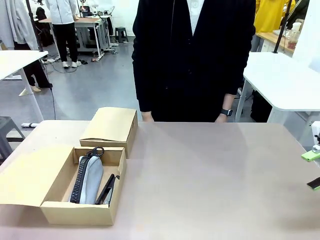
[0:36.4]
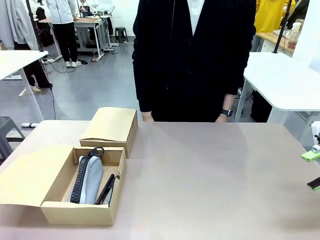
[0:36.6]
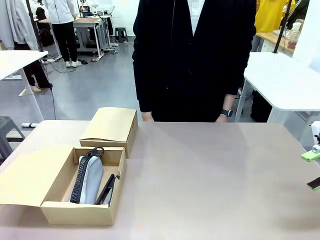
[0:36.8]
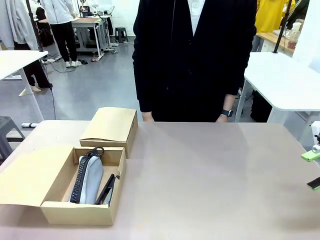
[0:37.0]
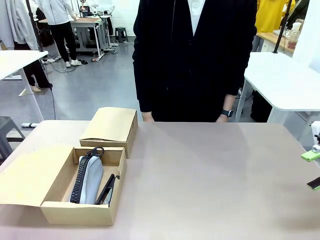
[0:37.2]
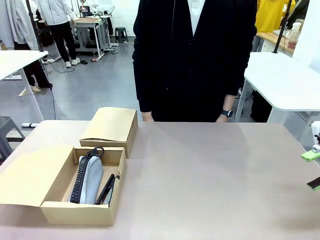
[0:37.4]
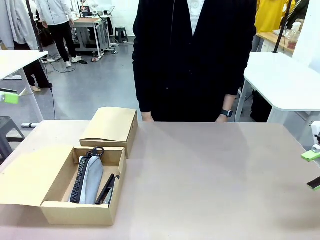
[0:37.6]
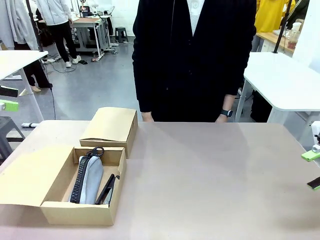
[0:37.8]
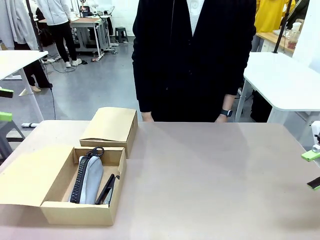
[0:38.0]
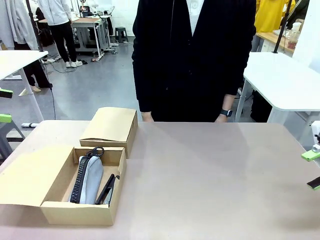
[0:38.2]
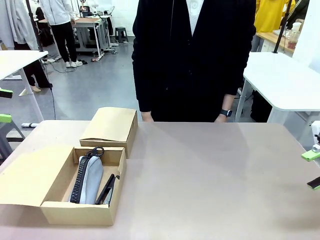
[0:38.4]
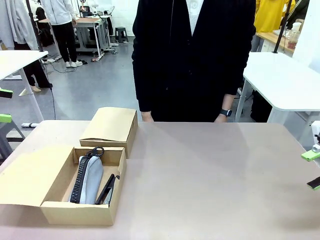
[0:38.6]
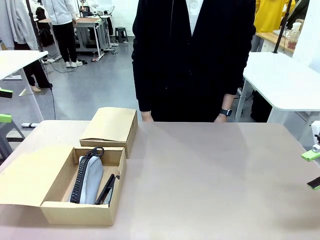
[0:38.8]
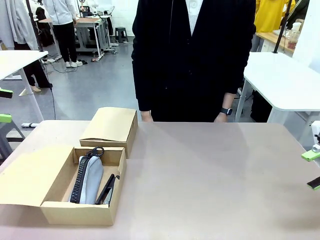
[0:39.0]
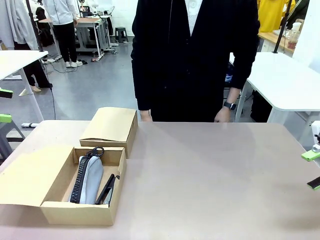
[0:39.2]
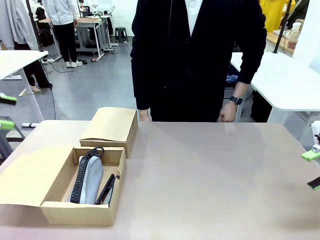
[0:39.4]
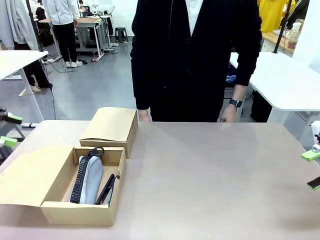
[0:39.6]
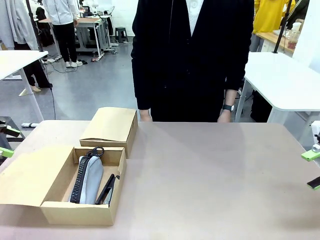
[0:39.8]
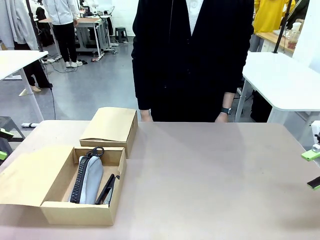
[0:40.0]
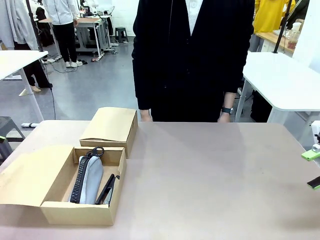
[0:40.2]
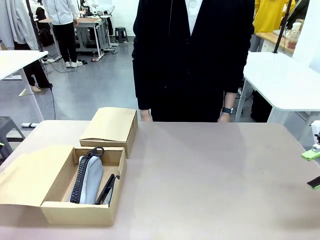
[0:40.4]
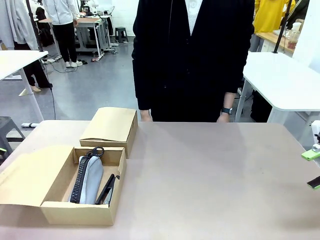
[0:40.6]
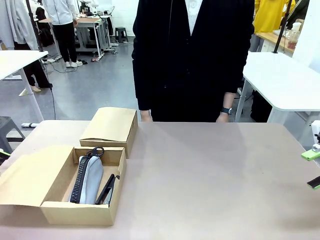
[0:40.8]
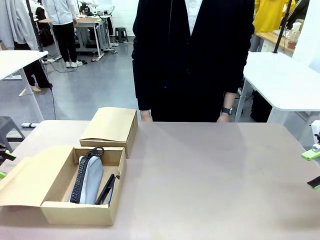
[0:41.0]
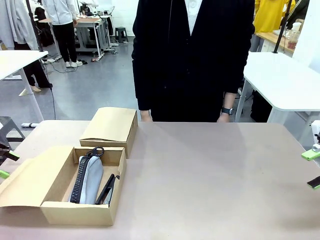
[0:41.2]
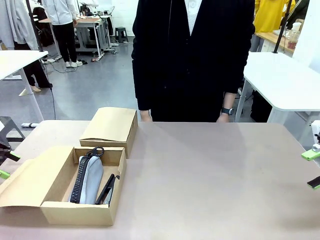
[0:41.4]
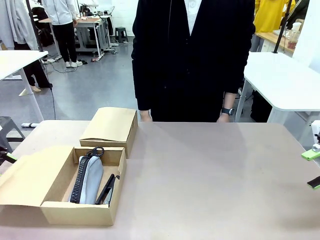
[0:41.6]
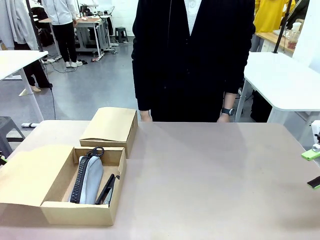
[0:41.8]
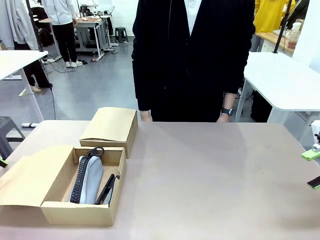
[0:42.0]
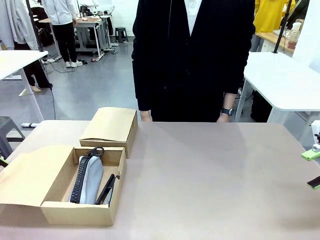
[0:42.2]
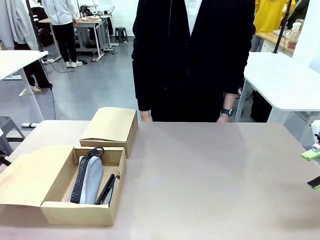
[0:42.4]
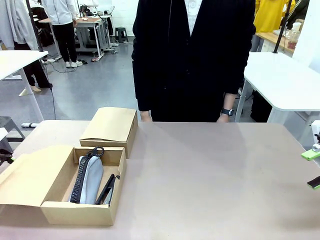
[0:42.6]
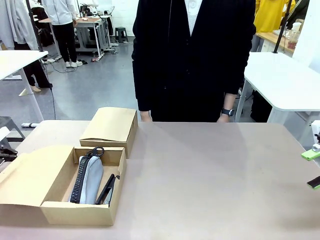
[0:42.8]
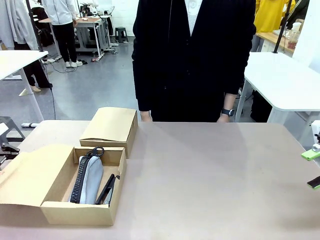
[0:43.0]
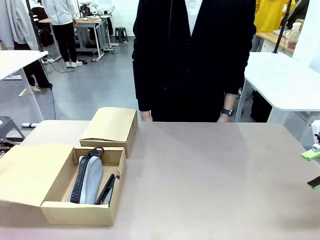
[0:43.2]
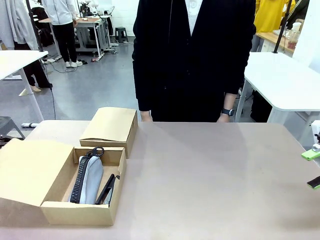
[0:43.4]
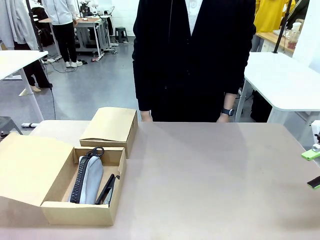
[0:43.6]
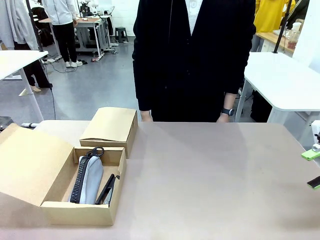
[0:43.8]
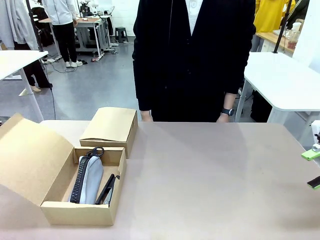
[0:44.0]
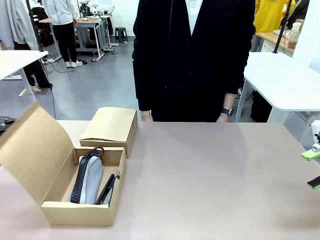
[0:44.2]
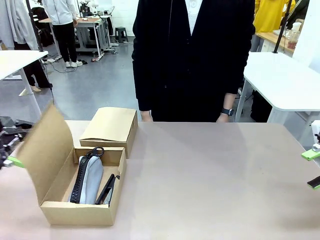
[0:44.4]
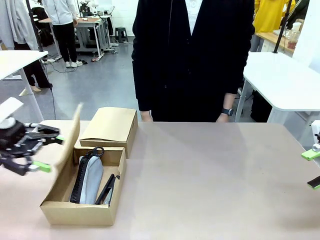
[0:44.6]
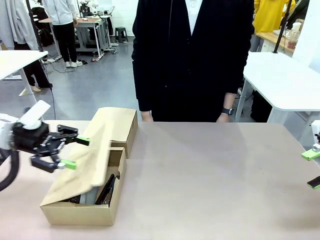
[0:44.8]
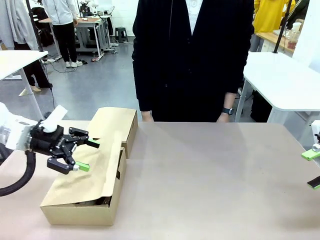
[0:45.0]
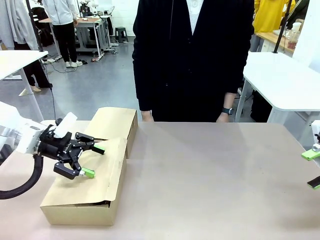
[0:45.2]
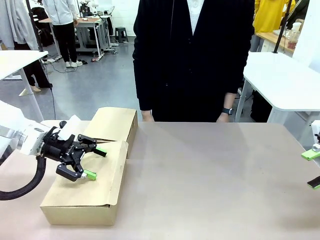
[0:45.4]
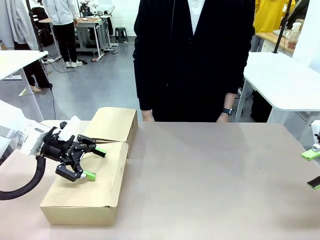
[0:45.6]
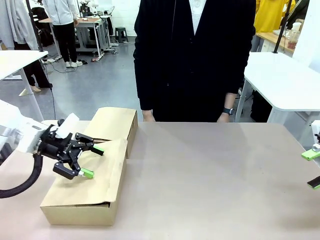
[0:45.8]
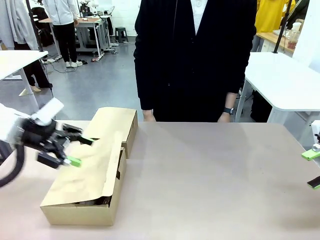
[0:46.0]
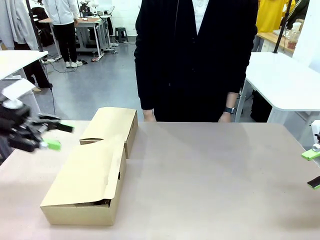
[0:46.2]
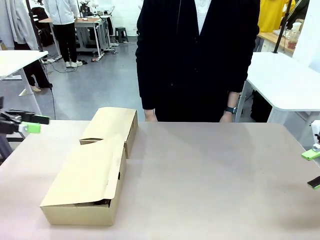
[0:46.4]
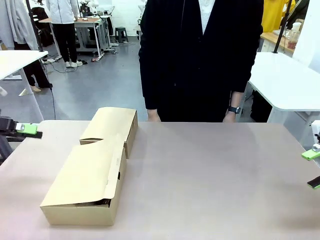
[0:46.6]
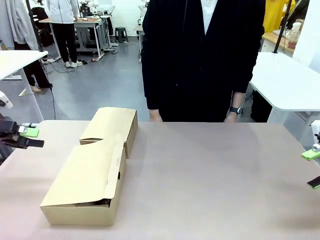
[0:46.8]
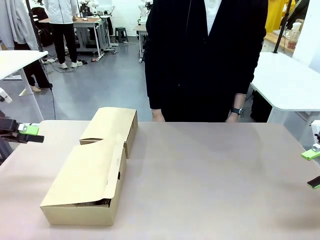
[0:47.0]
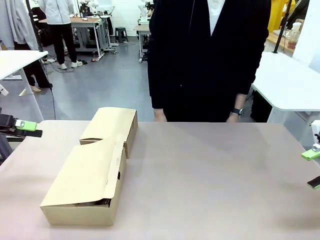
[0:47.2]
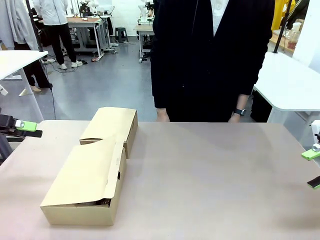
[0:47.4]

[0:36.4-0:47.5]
Task: Place items inside the box.
Robot: Close the lid of the Mailer Box closest to the robot.
Person: Close the lid of the box facing the person.

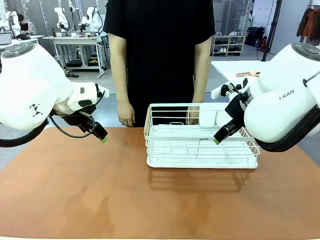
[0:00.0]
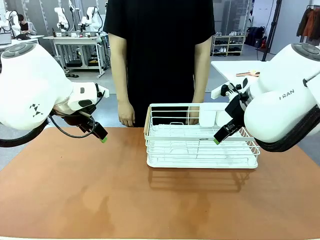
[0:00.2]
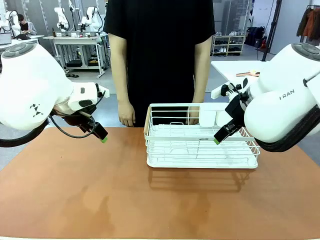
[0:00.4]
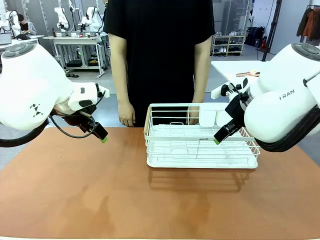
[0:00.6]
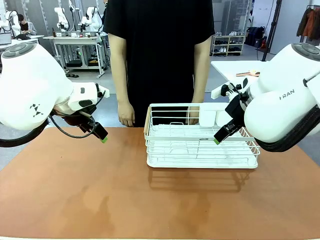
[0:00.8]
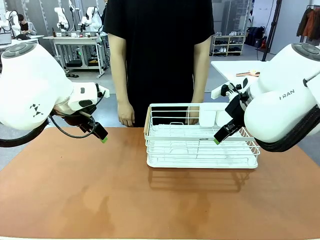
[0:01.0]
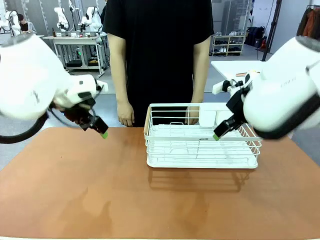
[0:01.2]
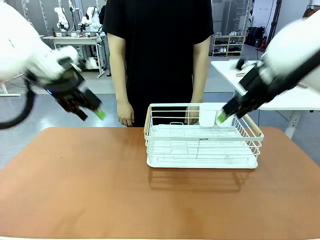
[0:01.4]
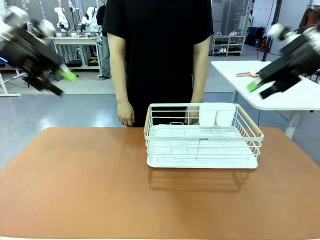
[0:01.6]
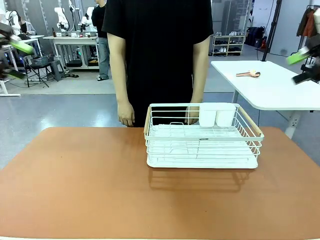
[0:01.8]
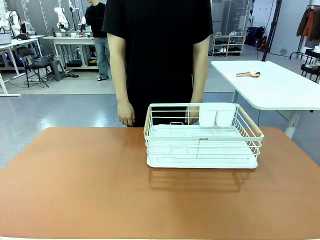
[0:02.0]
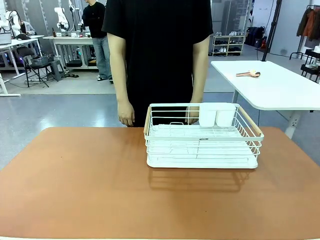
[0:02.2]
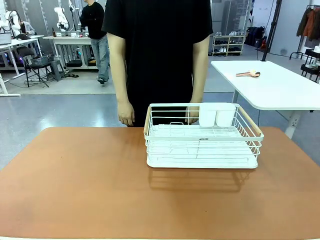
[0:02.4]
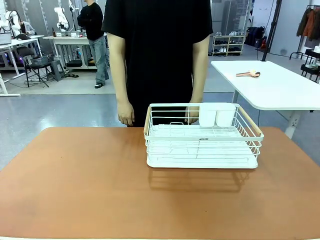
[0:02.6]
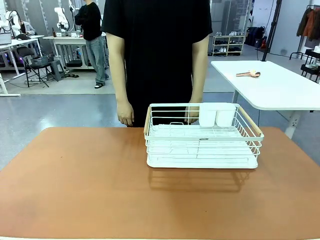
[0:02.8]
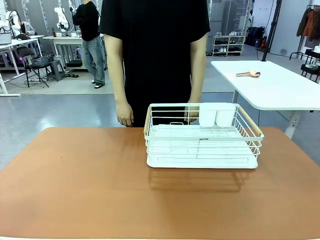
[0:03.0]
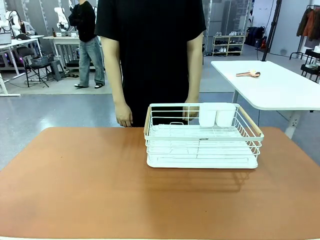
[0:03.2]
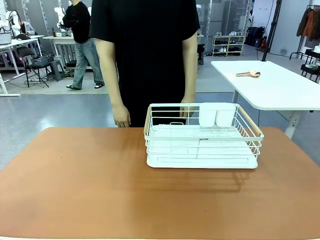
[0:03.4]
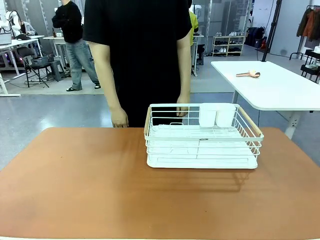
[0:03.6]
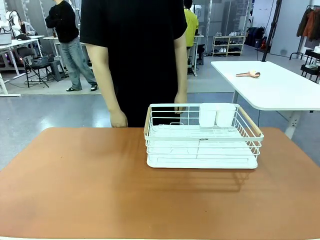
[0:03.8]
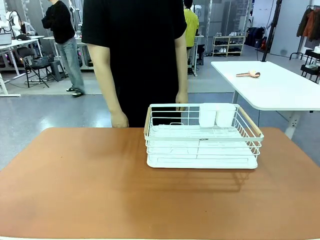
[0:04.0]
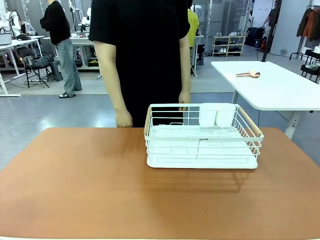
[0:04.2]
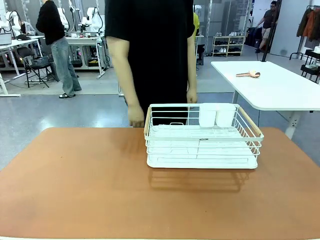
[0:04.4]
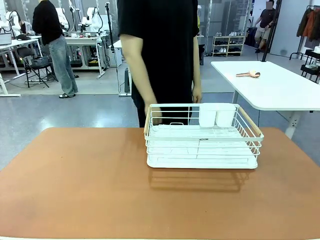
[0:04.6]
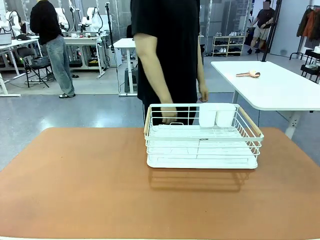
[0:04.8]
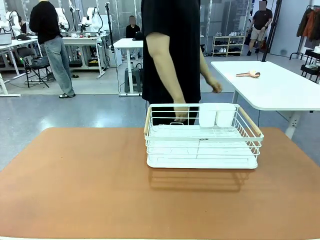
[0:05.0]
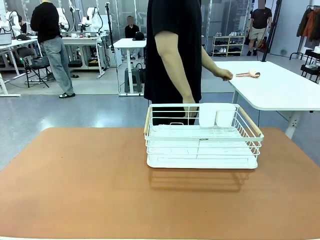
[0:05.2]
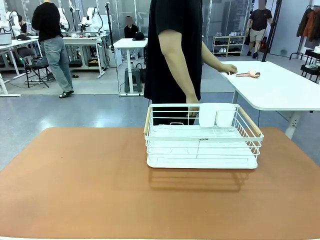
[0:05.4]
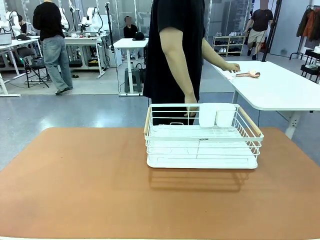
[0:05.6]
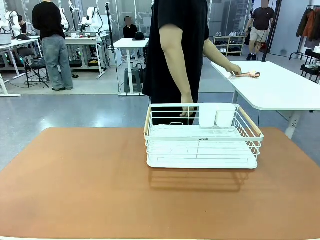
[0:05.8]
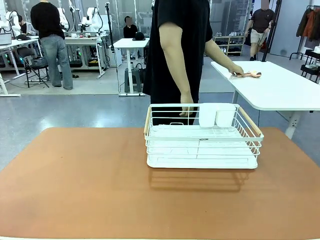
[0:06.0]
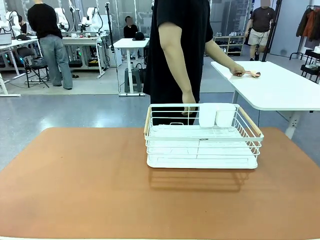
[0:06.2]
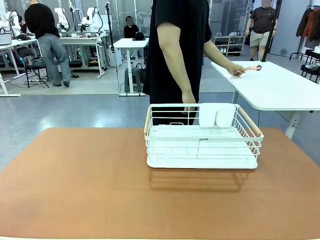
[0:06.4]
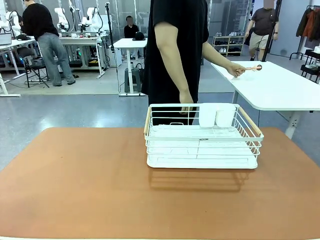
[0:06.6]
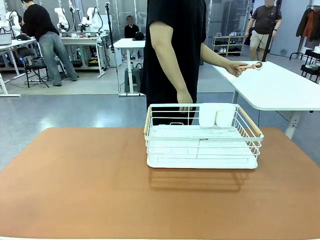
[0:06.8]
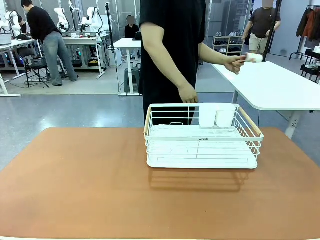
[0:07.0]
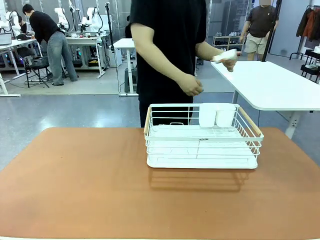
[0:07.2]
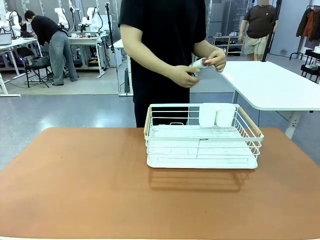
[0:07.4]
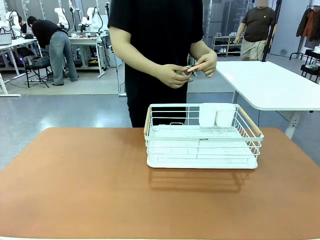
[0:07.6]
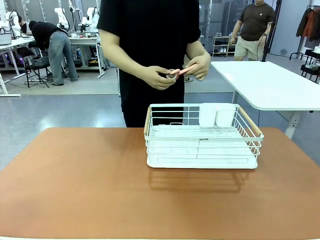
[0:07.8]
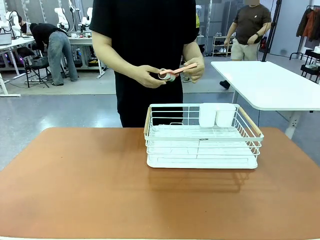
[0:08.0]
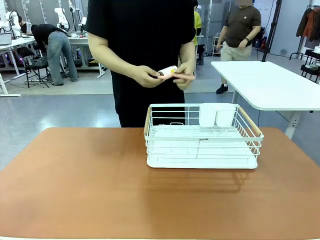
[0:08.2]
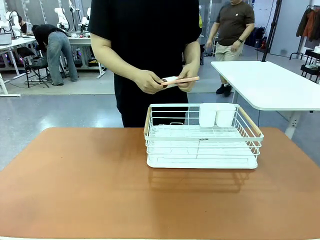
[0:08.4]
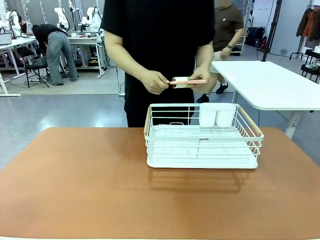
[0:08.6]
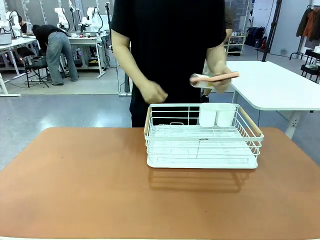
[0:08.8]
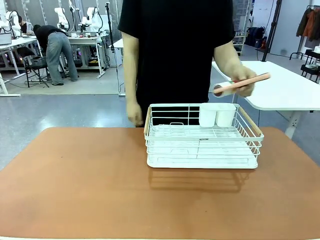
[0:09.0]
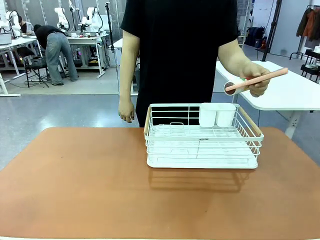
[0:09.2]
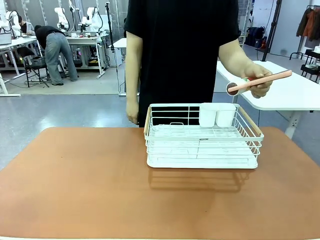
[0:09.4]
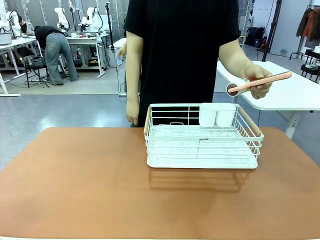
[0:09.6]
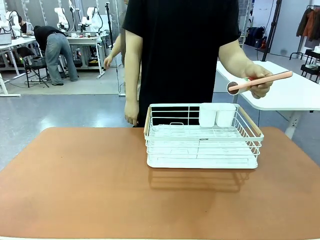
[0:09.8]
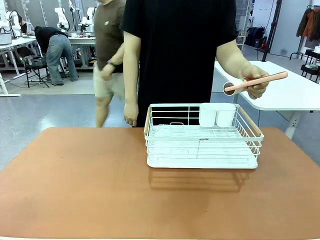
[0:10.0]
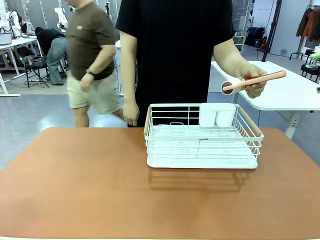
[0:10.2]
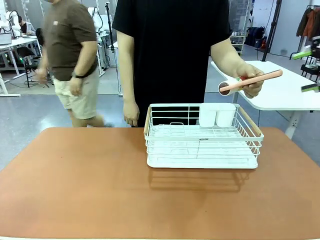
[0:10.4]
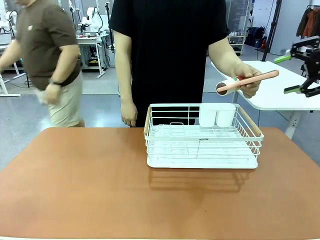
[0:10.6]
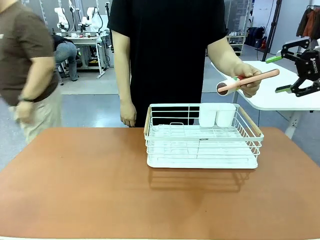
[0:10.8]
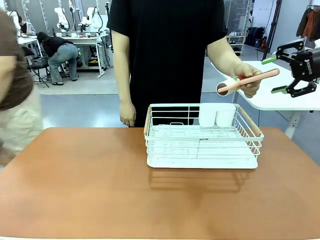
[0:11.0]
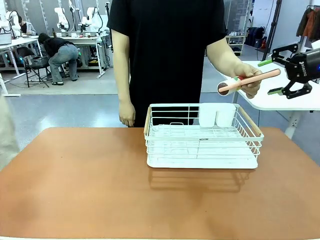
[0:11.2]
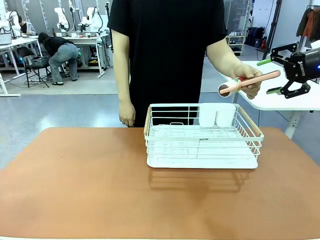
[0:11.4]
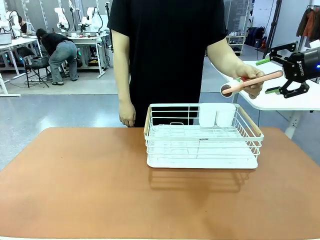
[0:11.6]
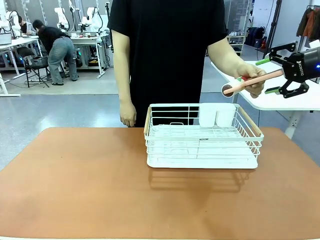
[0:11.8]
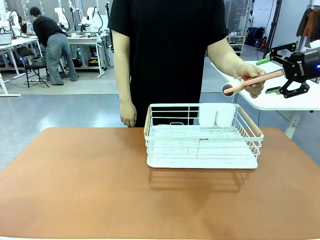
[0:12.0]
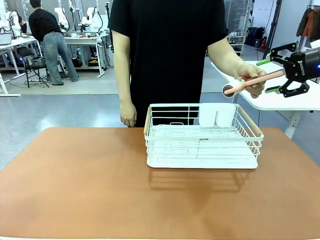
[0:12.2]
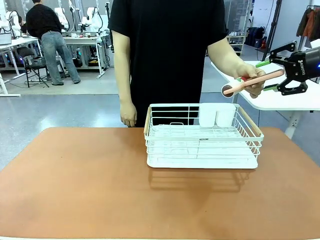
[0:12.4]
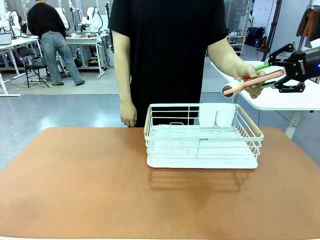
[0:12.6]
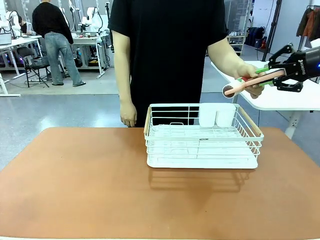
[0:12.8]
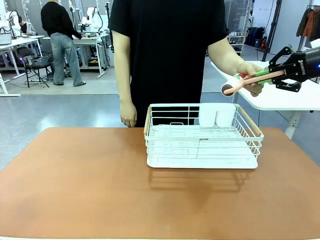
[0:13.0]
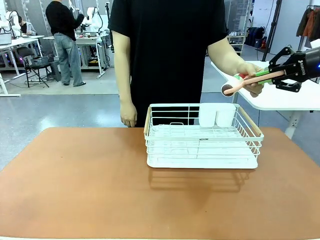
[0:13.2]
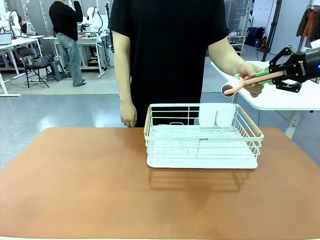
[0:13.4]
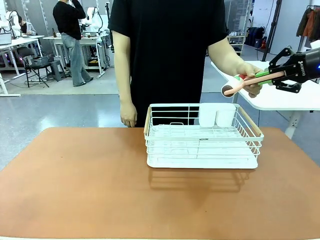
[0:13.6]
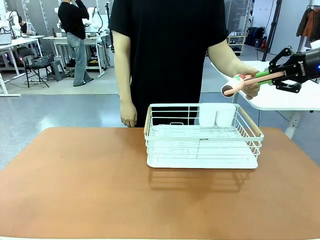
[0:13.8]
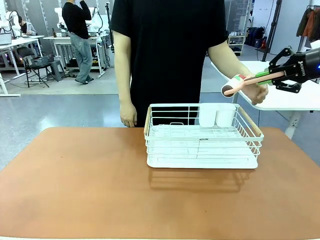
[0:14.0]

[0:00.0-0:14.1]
Task: Clean the table.
Robot: Pick up the Lint Roller when the human hands it over.
Person: Hand the Lint Roller to the robot so it can easily pick it up. Lift the Dish drying rack.
